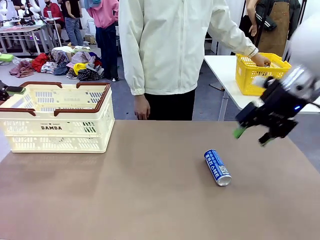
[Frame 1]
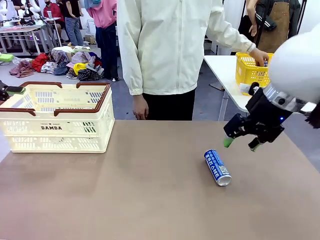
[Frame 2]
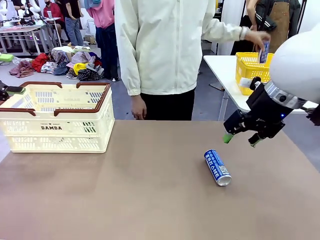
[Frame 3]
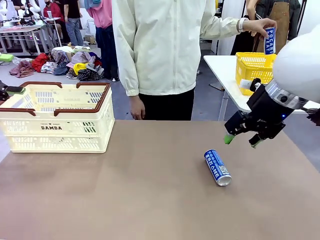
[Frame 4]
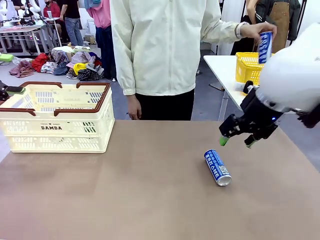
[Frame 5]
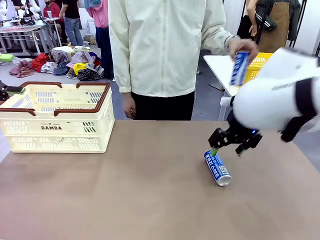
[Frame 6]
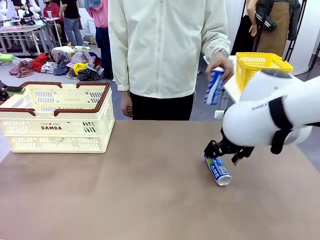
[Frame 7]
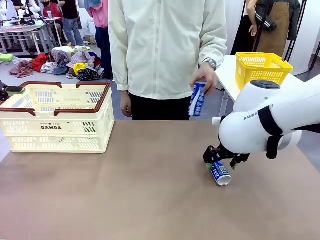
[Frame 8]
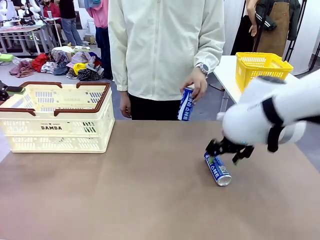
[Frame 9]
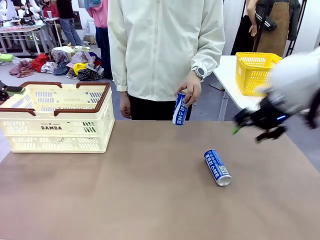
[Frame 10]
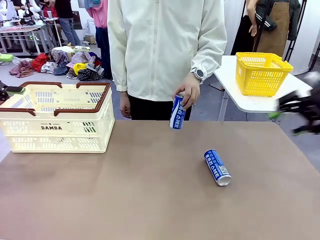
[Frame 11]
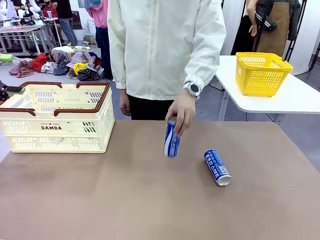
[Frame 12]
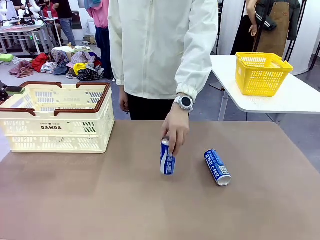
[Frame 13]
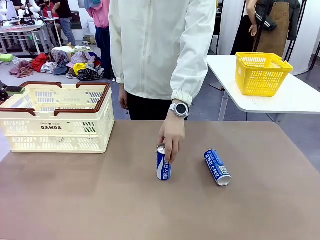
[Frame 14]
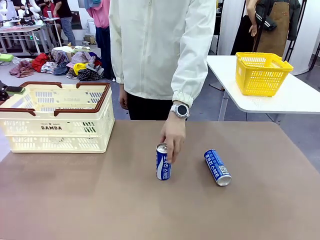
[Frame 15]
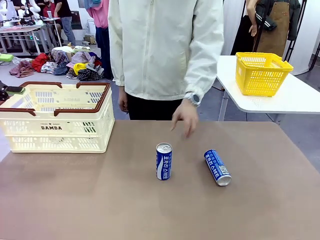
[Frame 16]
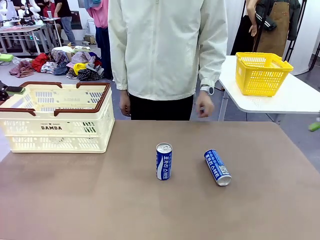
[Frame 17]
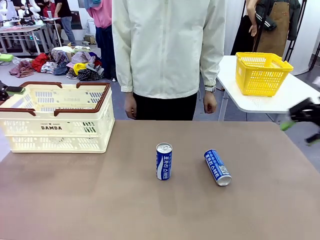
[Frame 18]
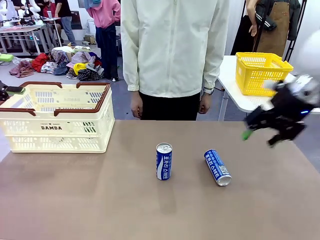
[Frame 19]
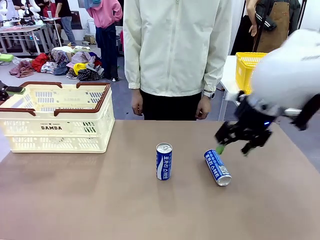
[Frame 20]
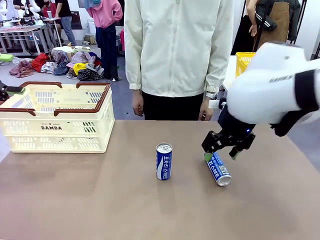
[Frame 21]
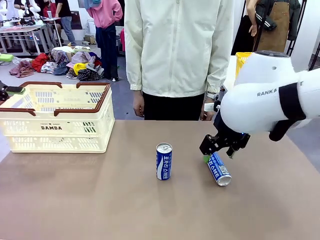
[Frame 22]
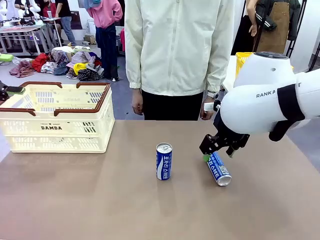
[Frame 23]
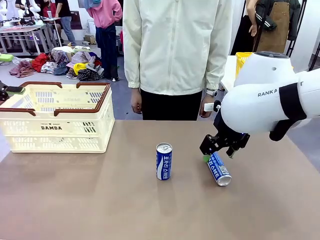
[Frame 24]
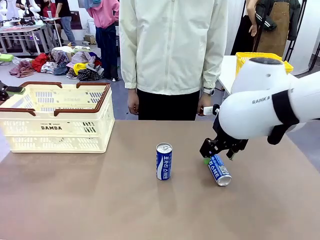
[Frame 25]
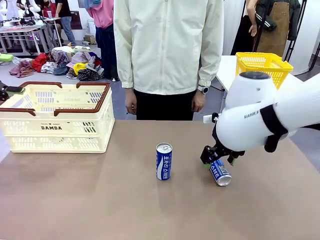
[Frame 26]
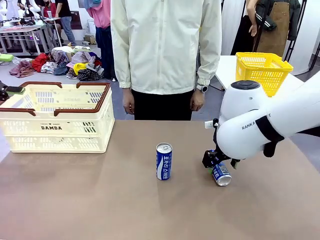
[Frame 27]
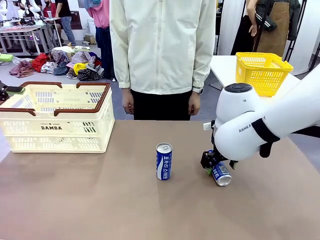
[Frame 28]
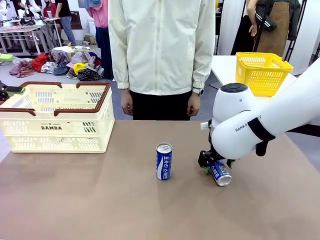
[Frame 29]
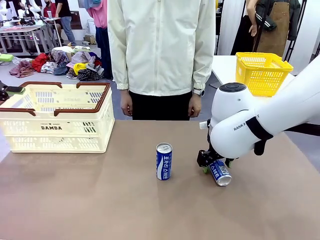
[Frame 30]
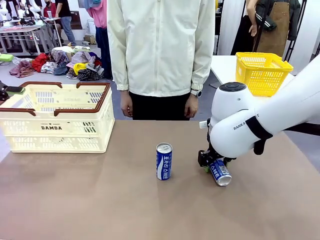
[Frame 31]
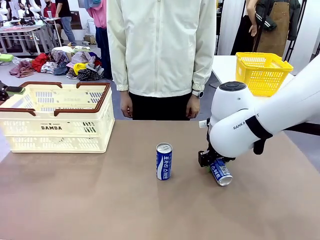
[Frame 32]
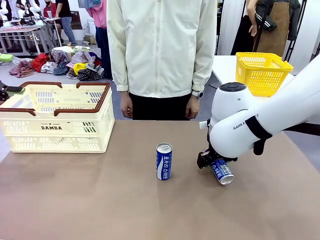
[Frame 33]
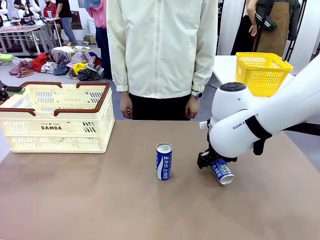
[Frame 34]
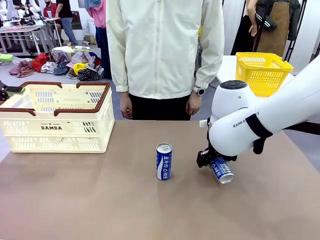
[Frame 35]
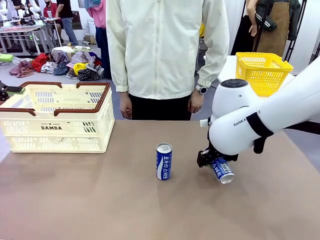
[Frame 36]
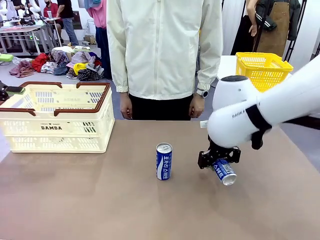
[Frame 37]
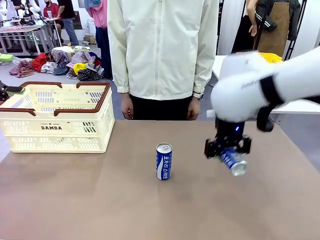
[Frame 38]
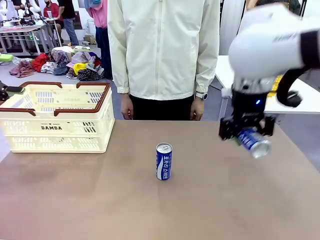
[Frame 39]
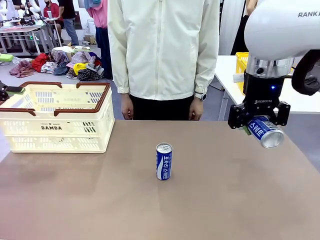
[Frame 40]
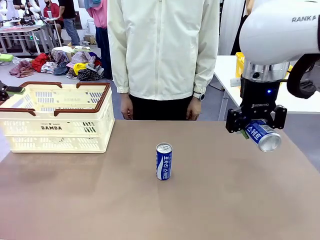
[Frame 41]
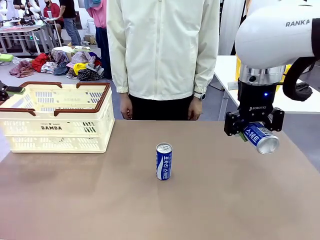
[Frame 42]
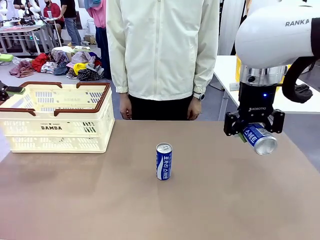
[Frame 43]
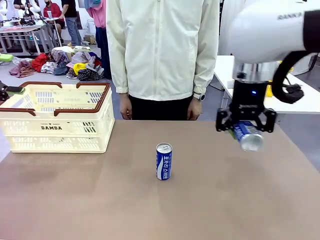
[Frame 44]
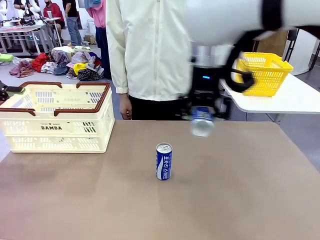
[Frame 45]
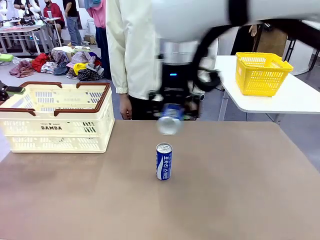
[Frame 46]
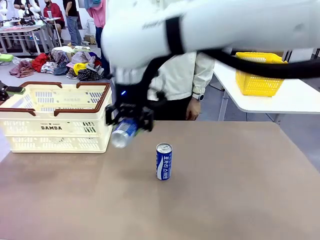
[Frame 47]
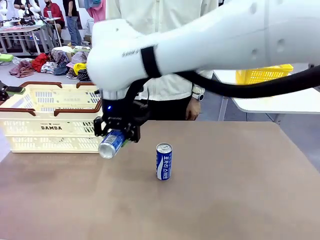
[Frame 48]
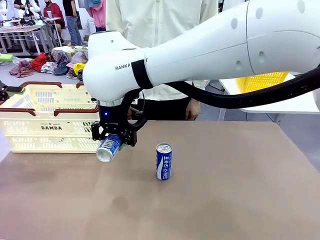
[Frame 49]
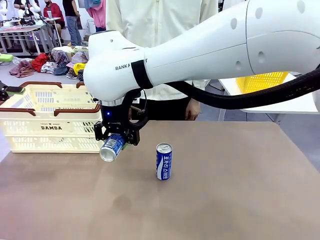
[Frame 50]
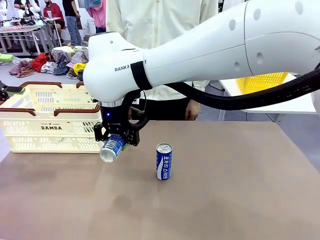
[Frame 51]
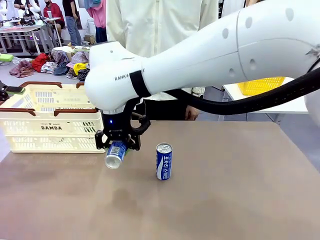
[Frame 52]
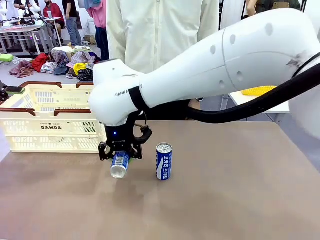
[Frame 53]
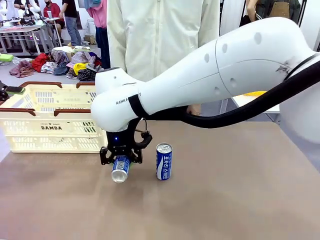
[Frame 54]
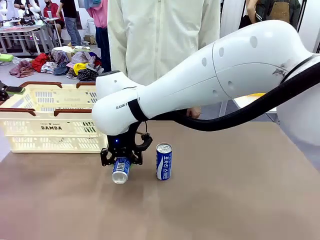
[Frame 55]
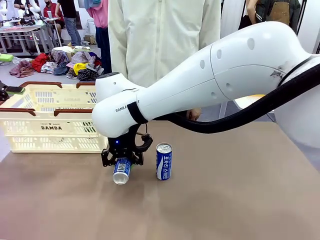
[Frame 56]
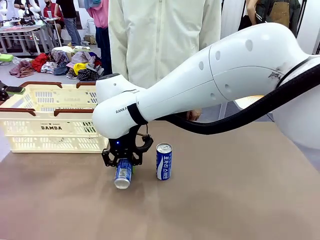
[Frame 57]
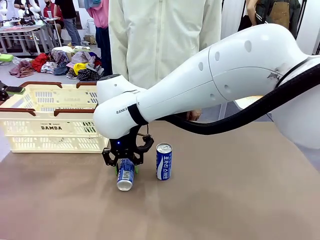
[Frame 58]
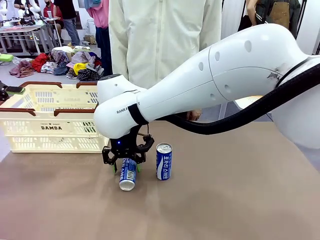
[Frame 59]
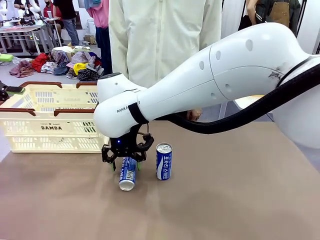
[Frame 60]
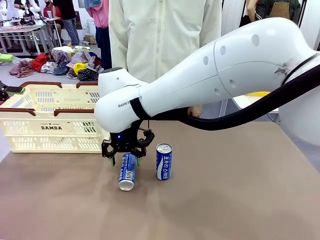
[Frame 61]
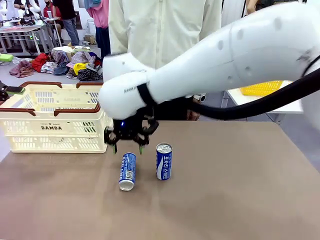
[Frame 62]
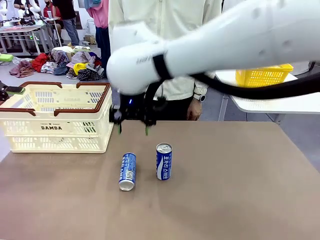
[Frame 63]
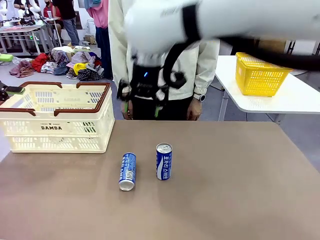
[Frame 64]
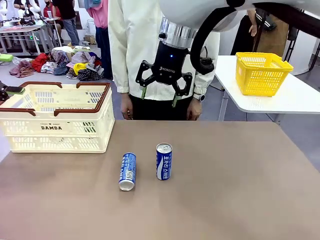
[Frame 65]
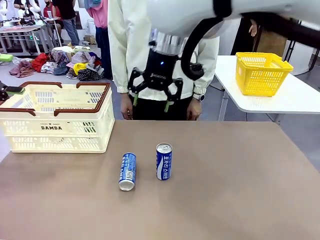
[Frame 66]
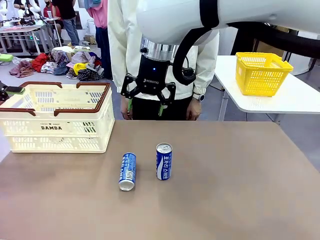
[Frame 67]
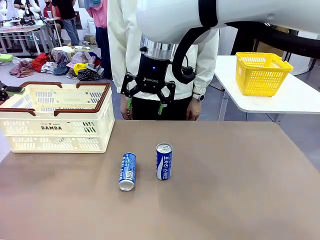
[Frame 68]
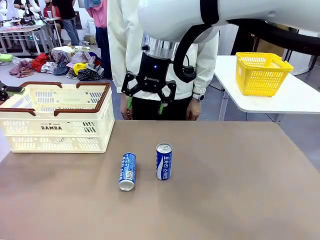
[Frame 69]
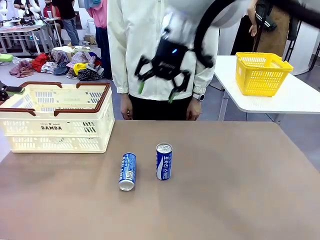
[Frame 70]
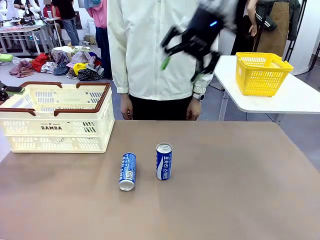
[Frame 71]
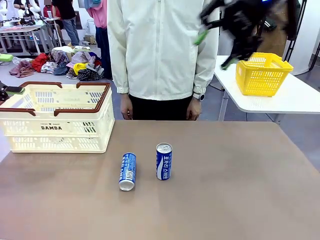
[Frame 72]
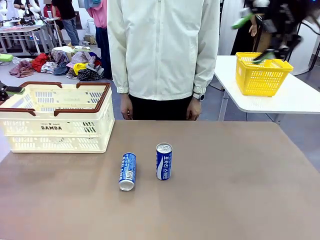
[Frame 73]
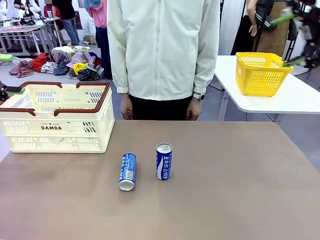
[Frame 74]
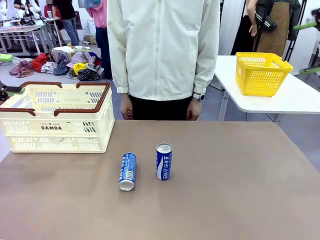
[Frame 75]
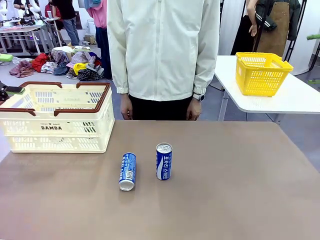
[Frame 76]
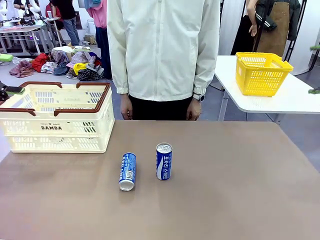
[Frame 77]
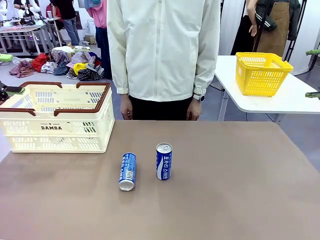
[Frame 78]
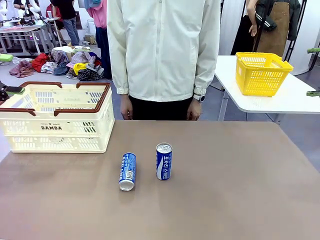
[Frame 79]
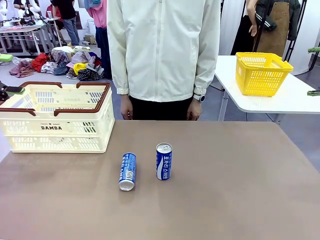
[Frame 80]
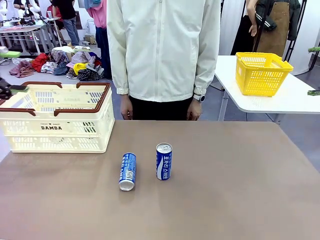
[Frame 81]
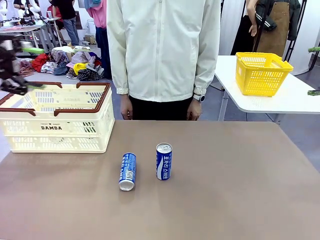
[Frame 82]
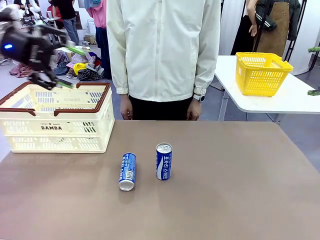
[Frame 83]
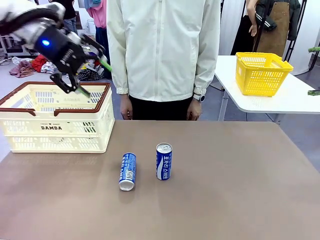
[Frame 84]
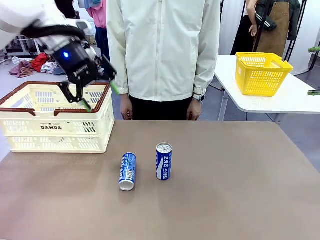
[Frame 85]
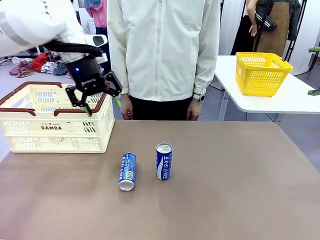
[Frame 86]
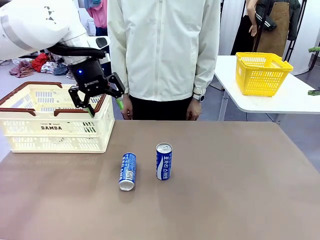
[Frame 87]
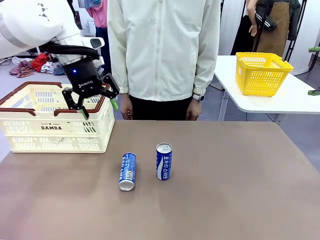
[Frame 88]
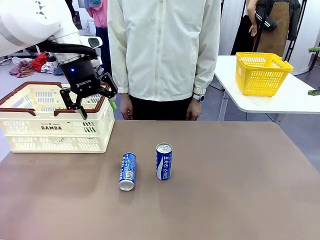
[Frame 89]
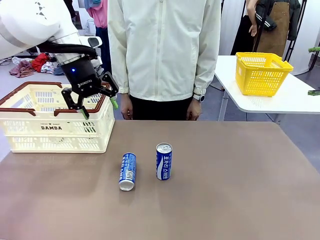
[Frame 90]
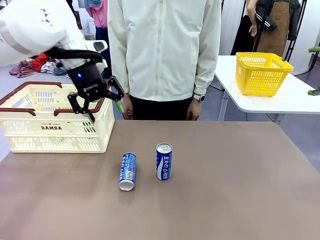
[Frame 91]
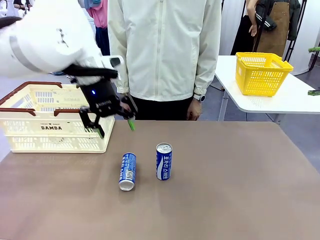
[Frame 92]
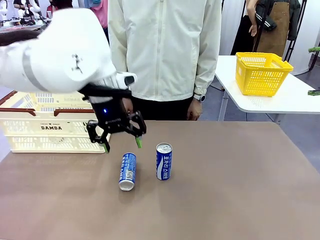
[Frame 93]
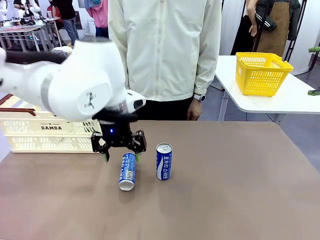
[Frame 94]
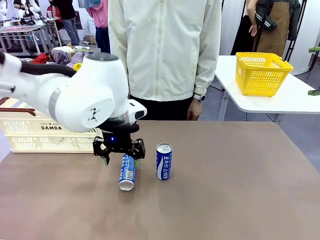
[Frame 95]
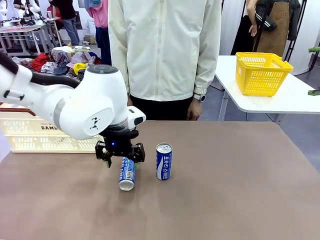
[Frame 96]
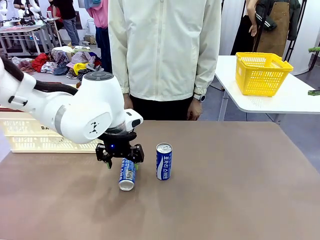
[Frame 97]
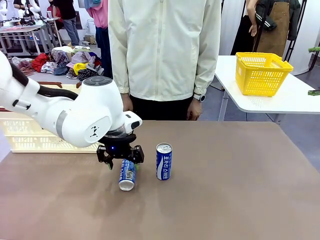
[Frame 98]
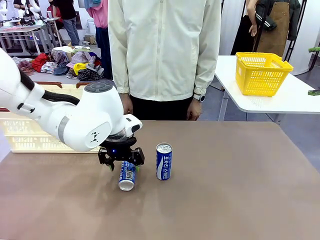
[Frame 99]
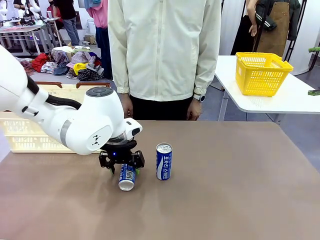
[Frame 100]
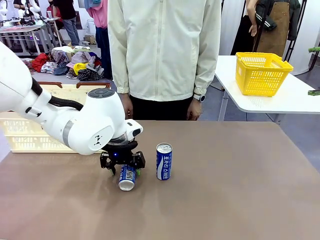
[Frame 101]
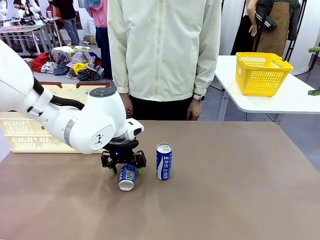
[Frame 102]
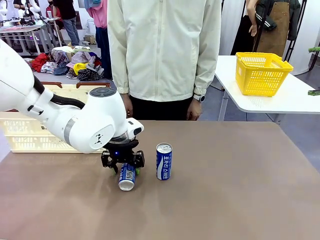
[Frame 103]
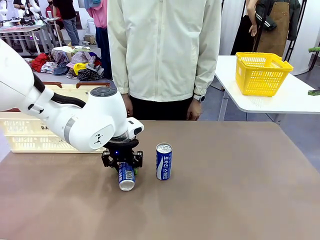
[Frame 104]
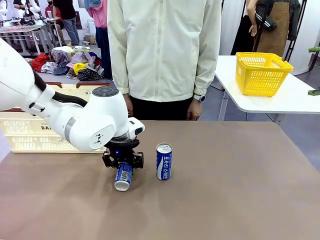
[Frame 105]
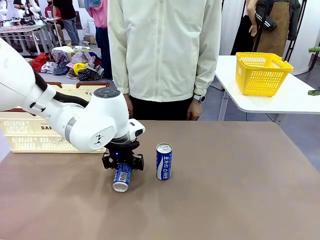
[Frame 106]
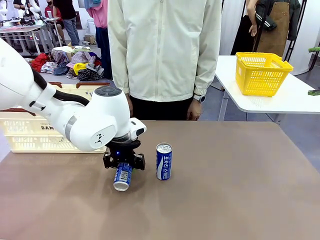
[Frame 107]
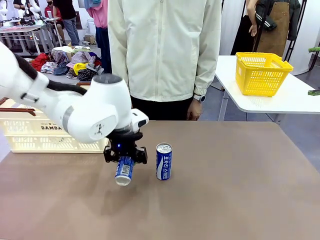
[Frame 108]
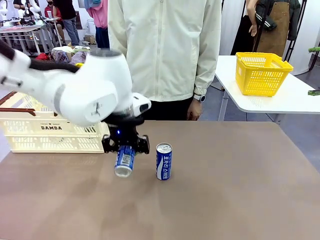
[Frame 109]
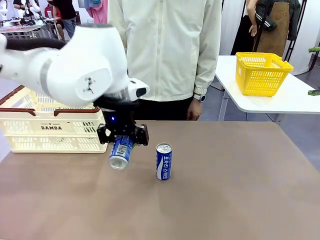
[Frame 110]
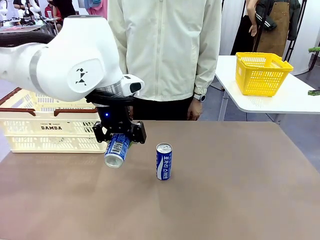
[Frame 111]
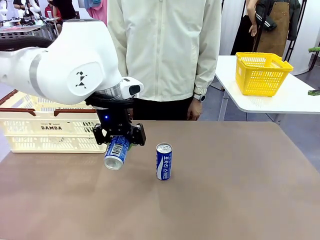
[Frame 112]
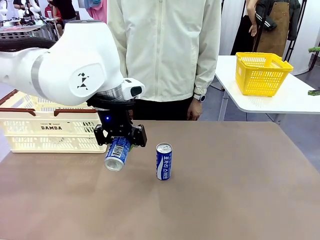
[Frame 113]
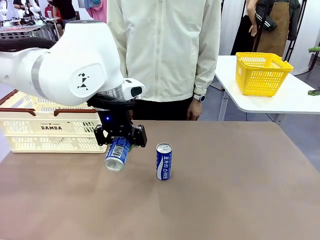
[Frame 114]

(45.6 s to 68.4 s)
Task: Place the drinks into the Shopping basket.
Robot: Pick up one drink and place it into the Shopping basket.
